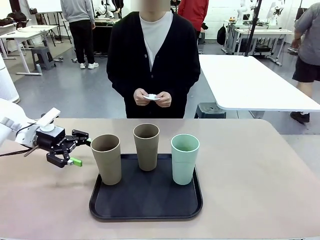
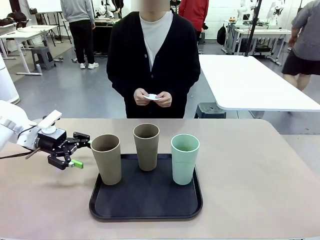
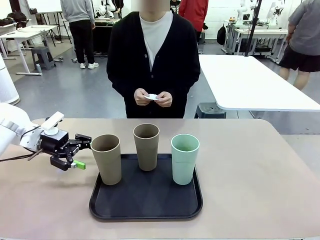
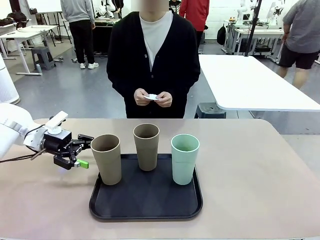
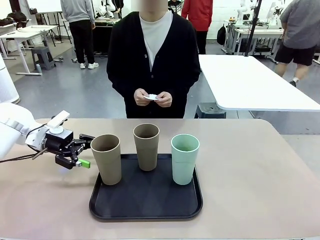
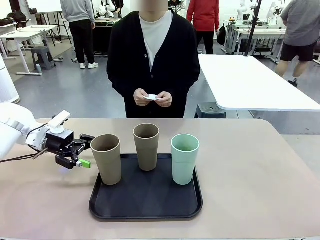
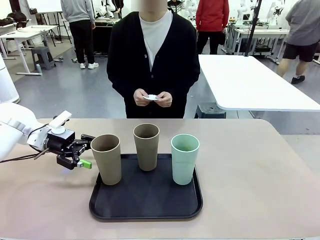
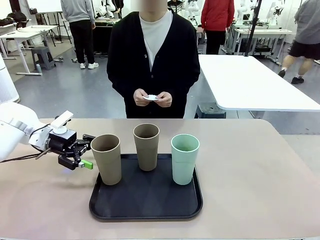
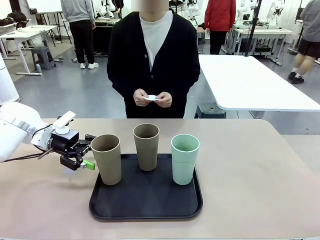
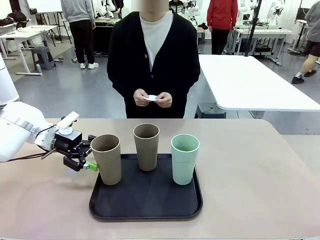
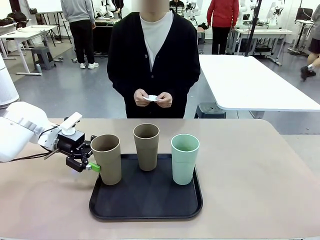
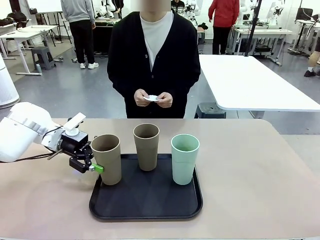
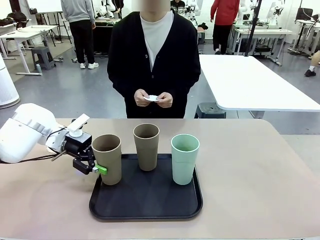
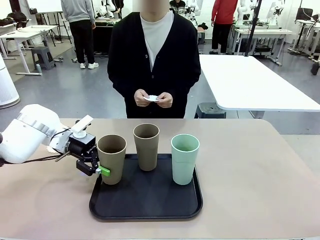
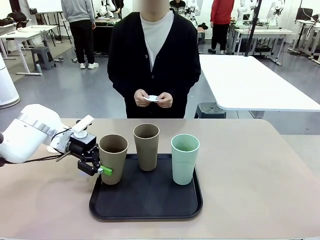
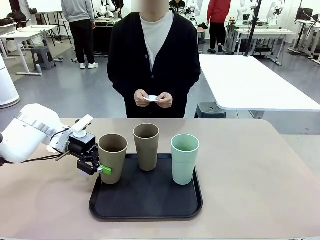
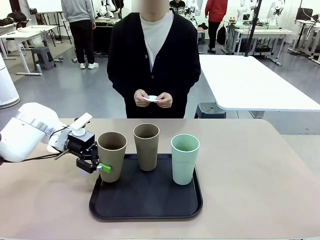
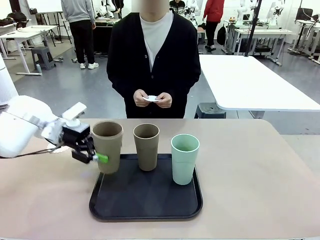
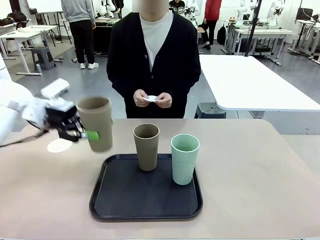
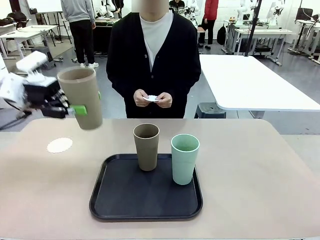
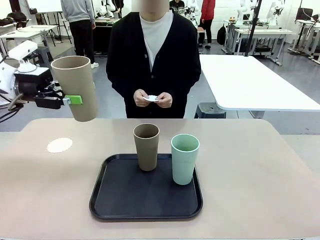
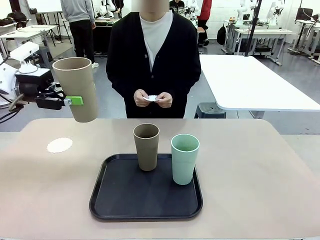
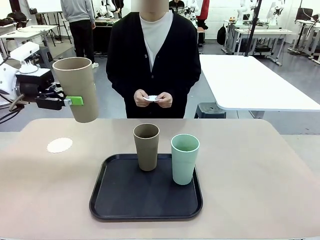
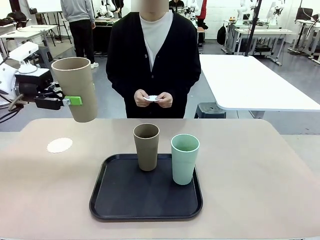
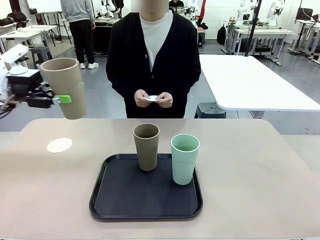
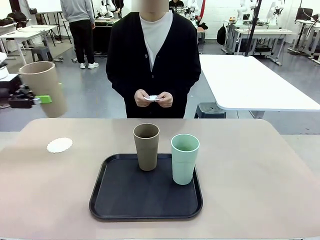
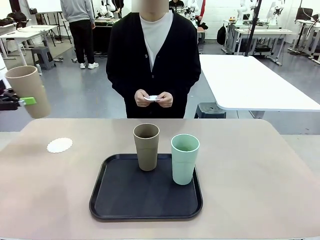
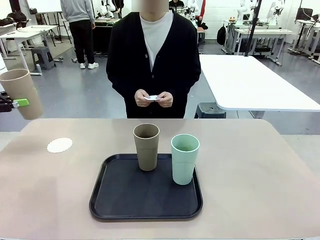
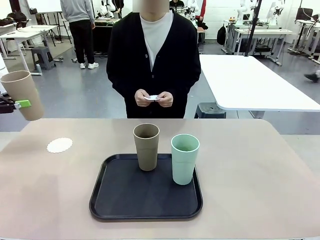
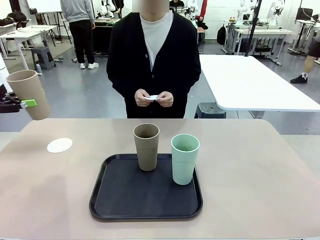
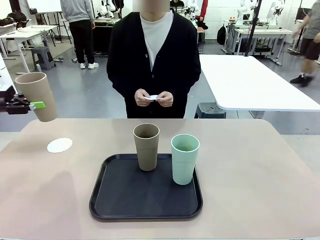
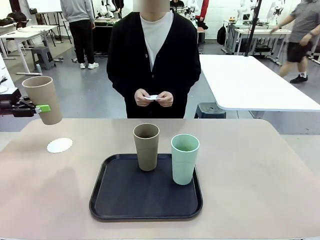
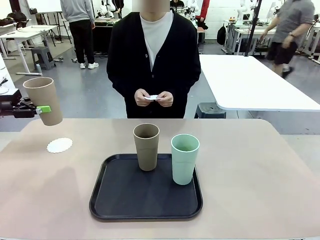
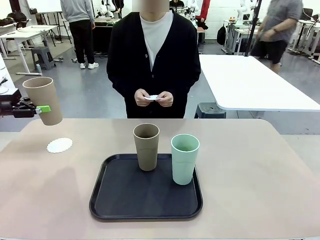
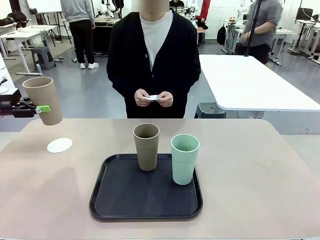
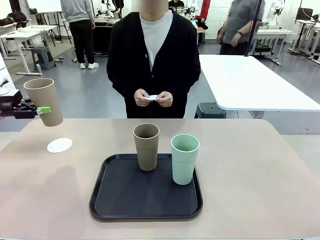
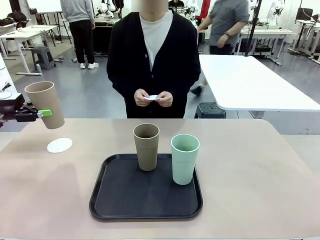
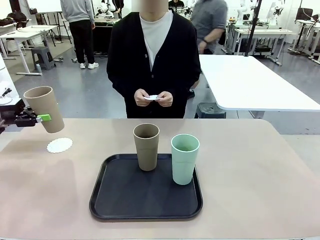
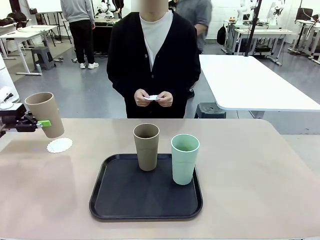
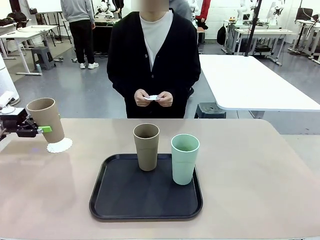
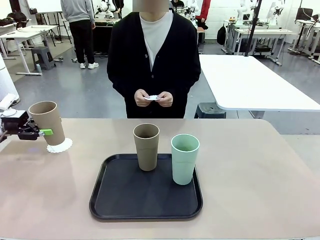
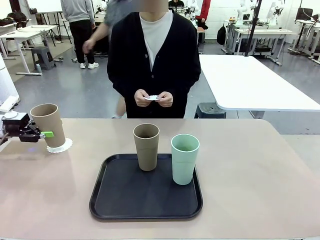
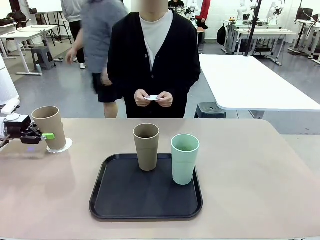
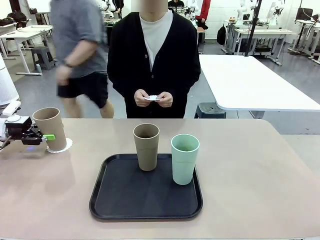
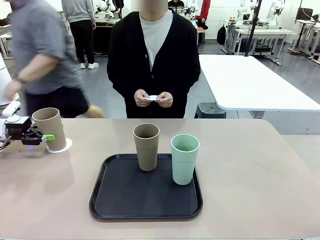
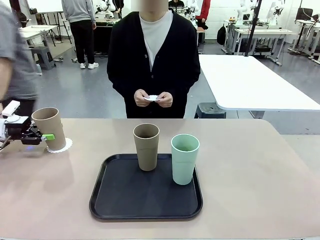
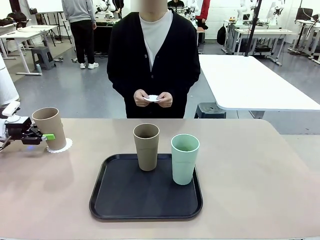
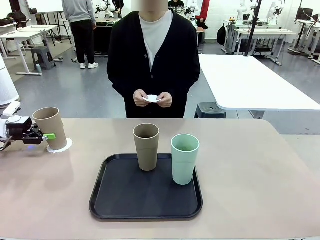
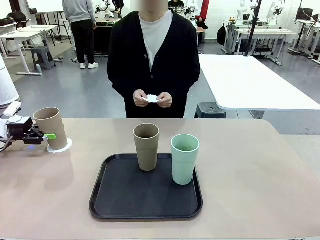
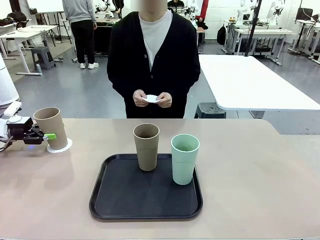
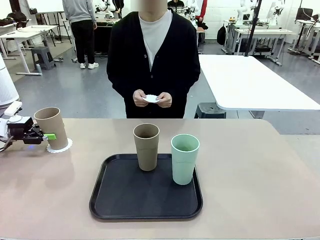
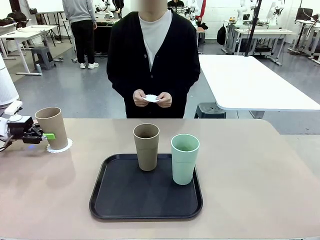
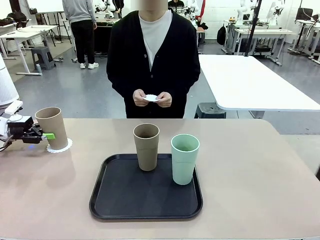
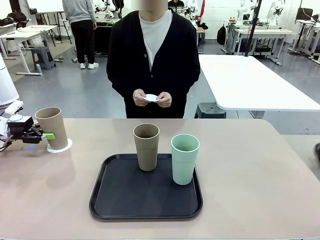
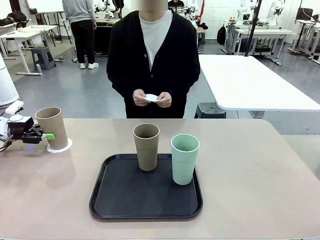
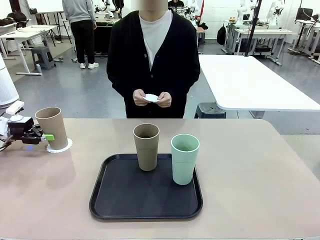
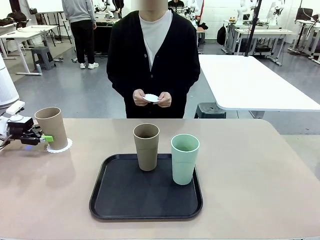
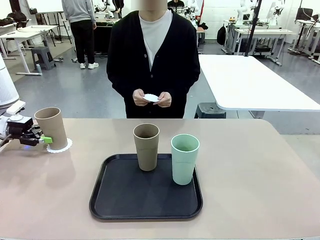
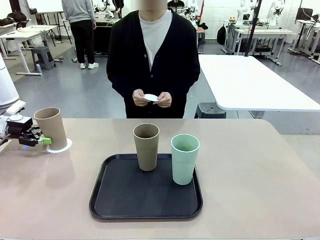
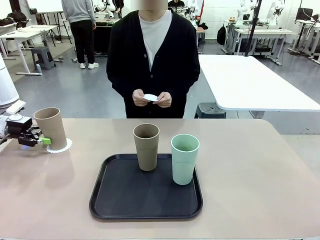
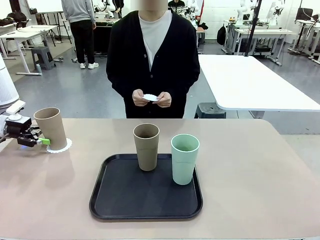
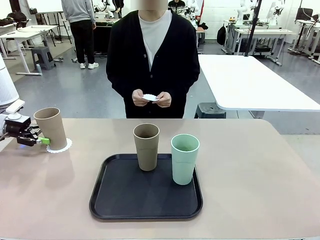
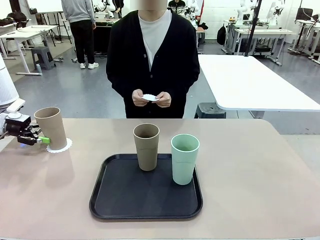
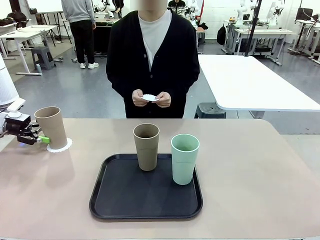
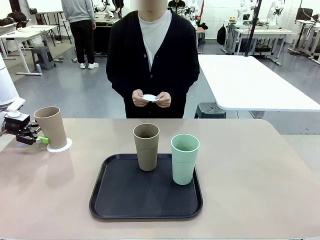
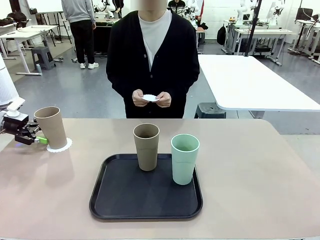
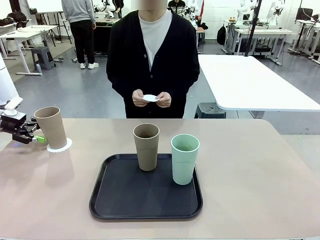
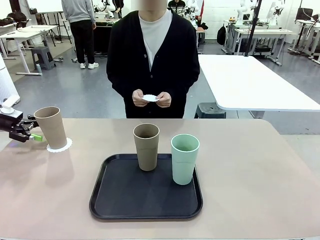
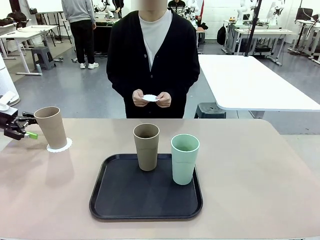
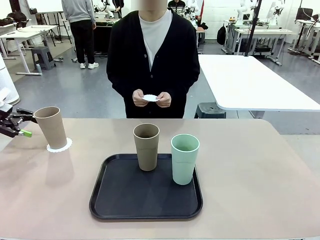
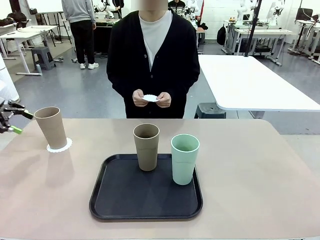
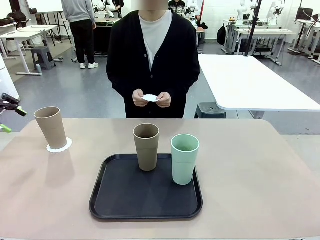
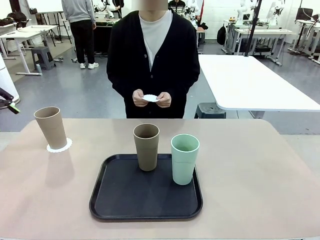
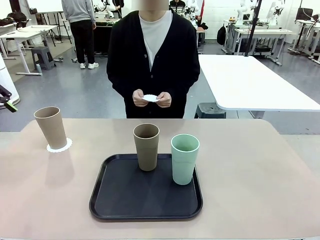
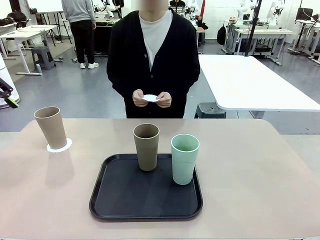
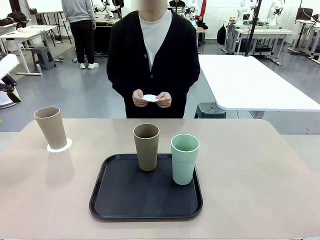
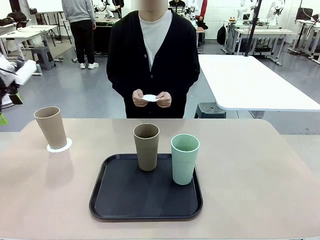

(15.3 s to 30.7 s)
Task: Place coasters on the table and set cups on them.
Robot: Pick up one Reusable plastic cup and place it on a coaster set by the human.
Person: Place one coaster in one of the two areas excluding the previously selected area.

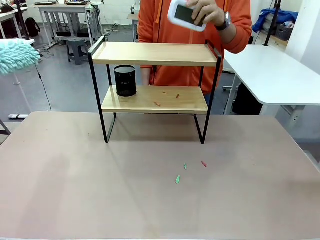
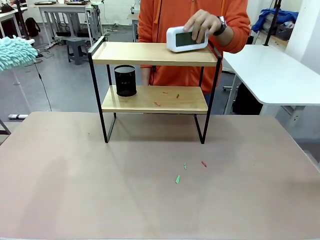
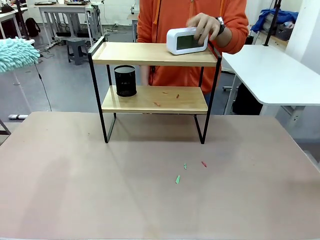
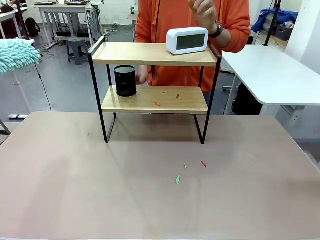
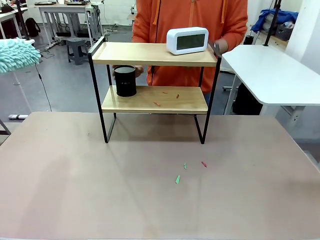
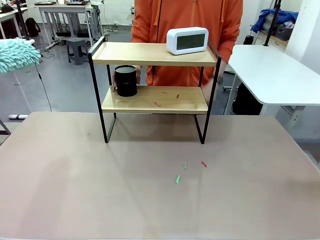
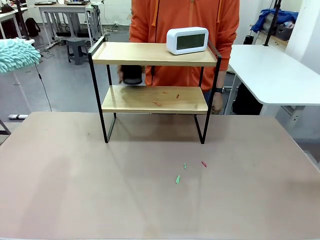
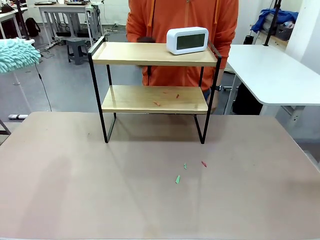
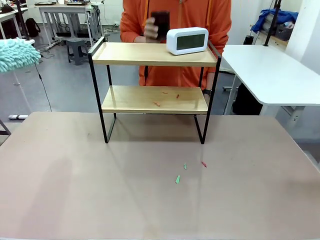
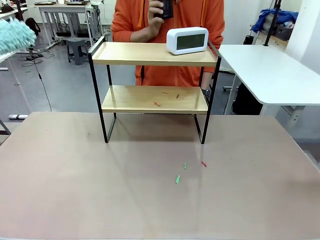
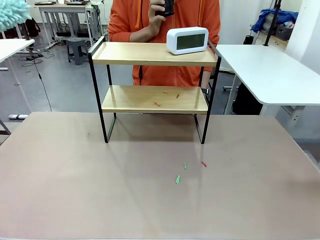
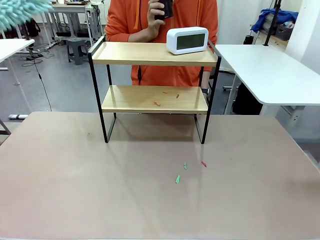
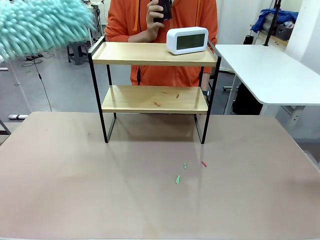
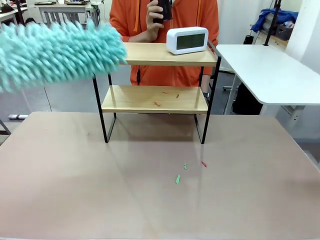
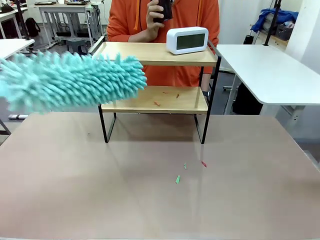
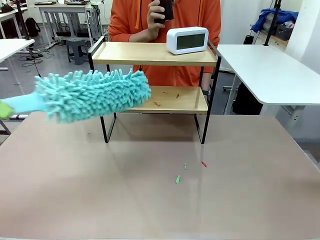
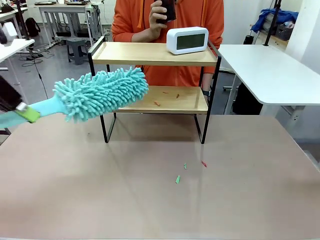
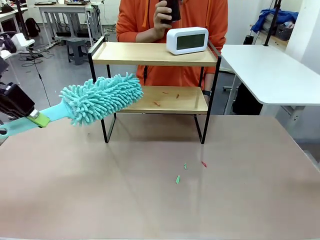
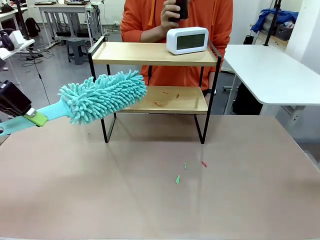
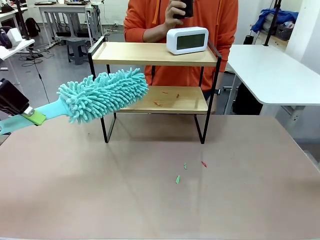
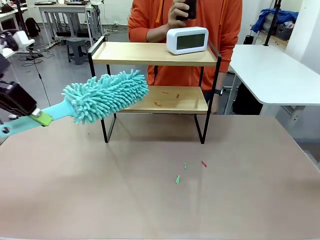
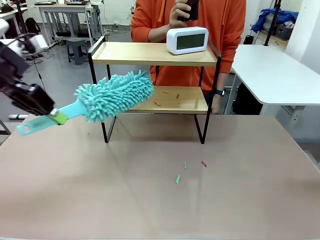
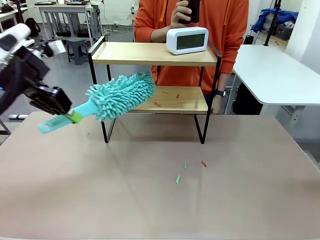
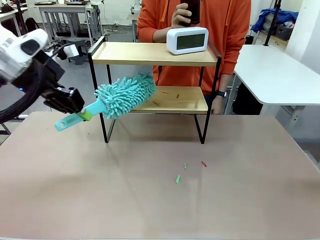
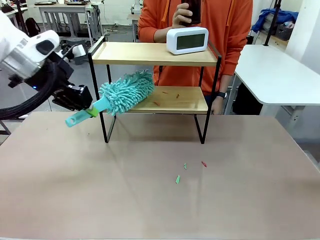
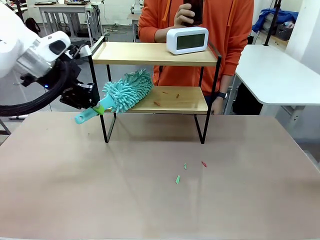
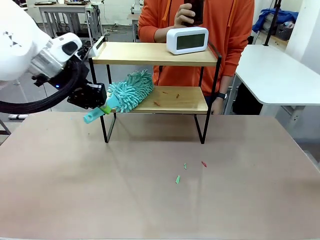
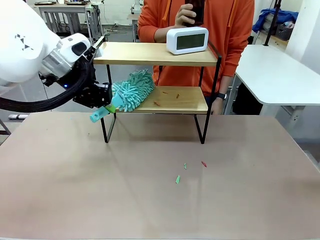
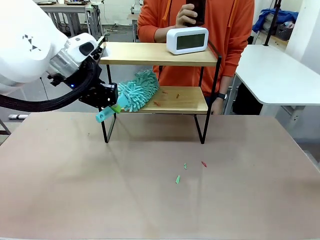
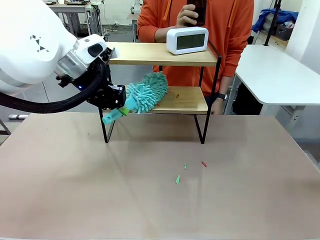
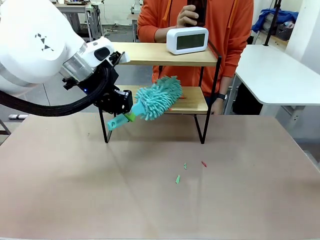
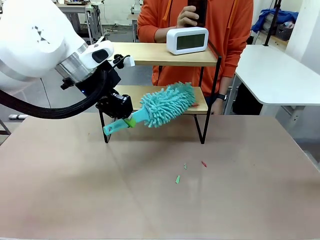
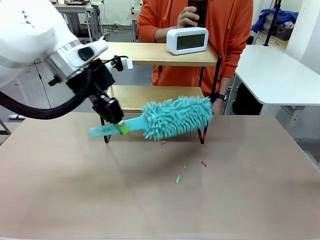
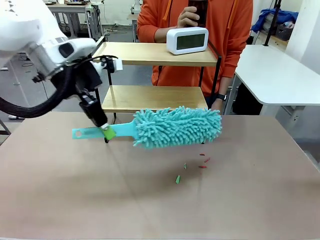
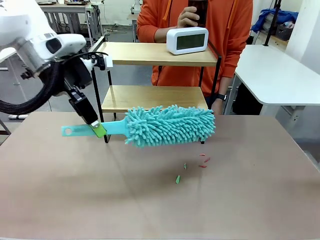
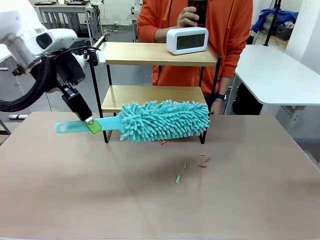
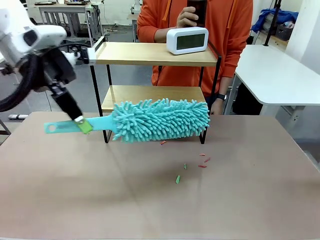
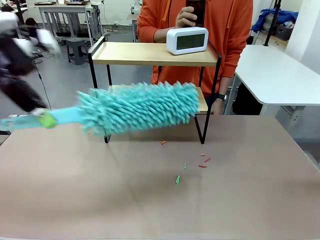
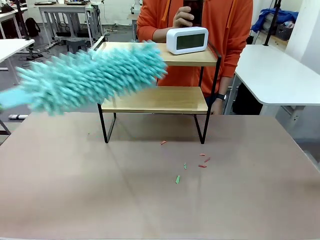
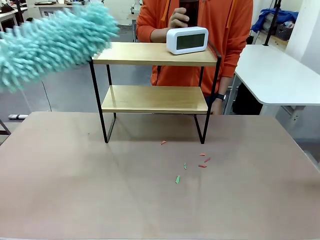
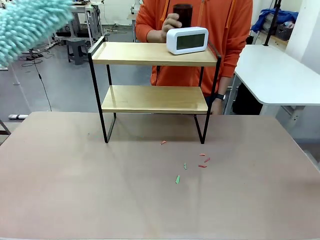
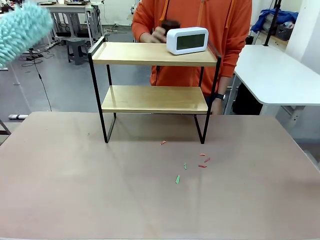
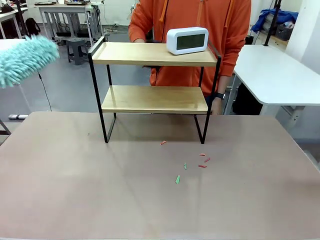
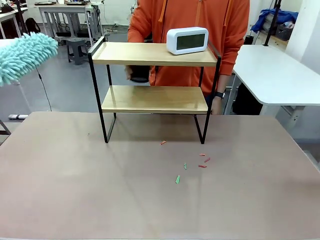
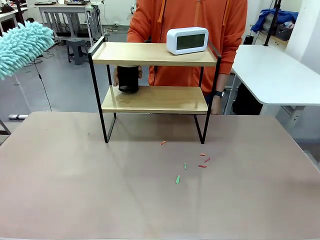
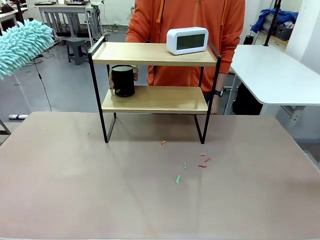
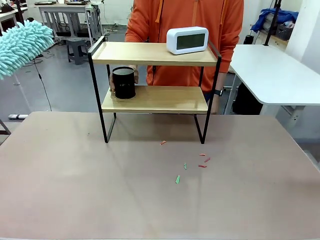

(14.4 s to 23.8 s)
Task: Clean the shelf.
Robot: Clean the remaining tier of the Shelf with the Duster once objects are removed.
